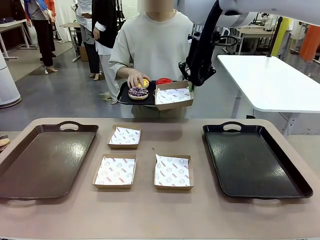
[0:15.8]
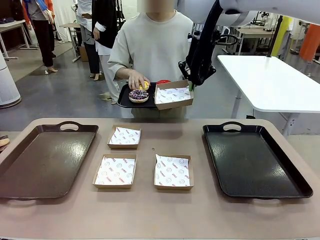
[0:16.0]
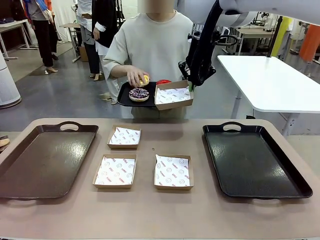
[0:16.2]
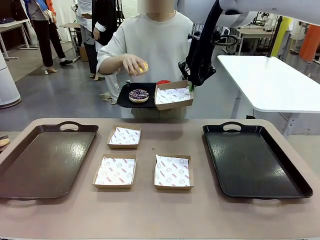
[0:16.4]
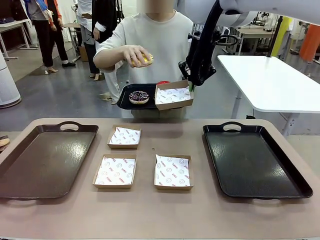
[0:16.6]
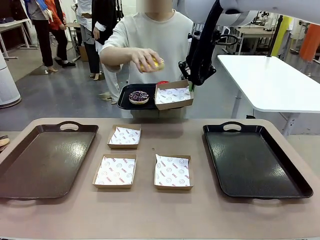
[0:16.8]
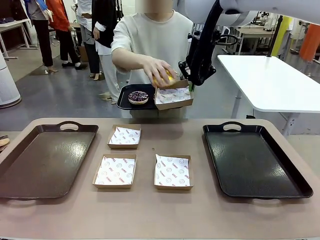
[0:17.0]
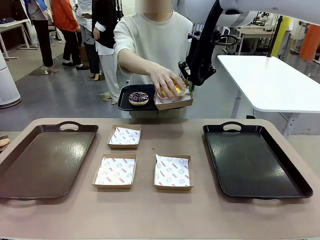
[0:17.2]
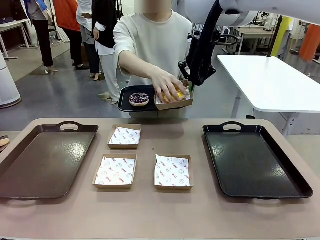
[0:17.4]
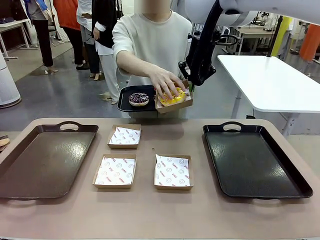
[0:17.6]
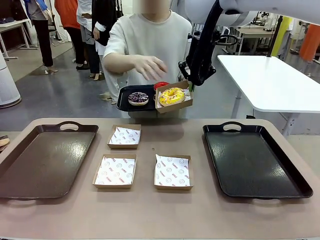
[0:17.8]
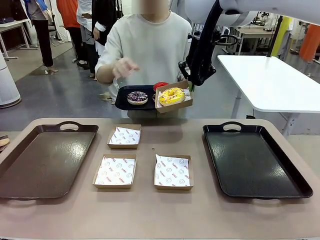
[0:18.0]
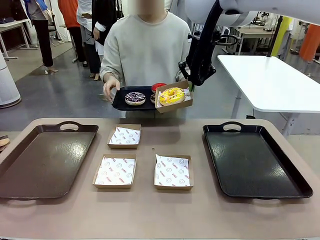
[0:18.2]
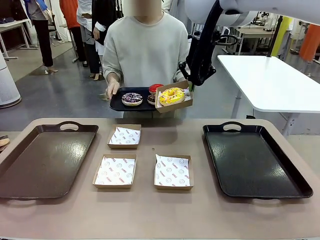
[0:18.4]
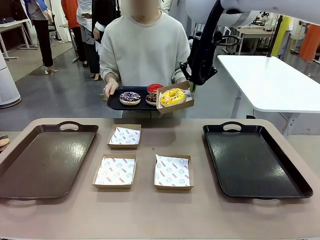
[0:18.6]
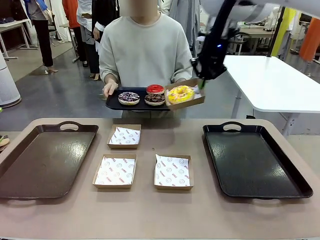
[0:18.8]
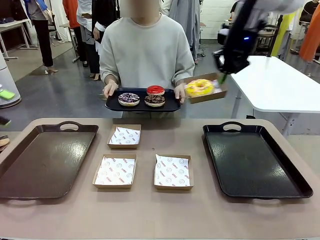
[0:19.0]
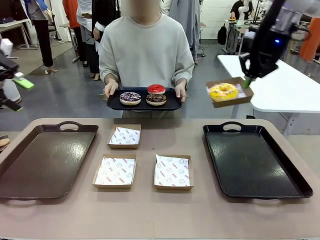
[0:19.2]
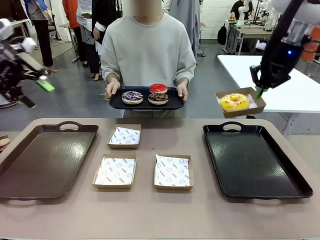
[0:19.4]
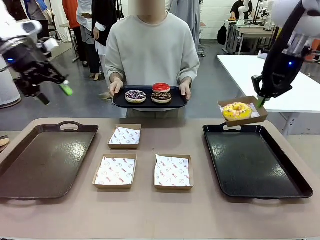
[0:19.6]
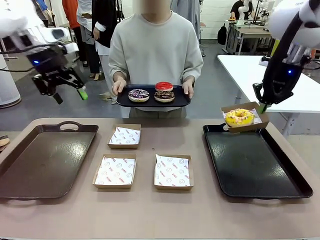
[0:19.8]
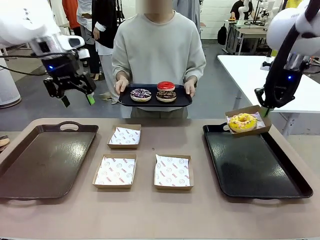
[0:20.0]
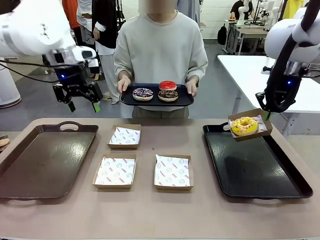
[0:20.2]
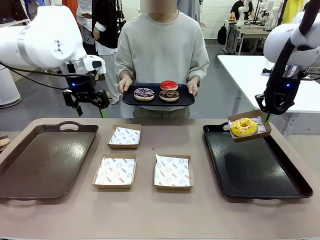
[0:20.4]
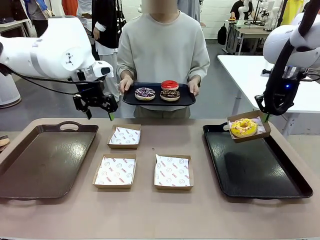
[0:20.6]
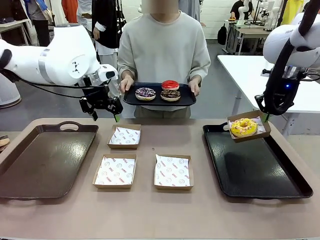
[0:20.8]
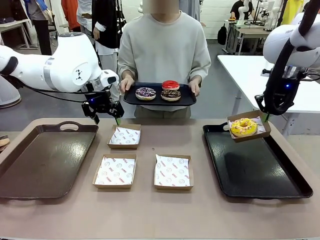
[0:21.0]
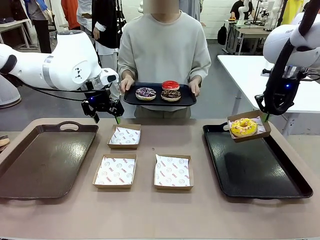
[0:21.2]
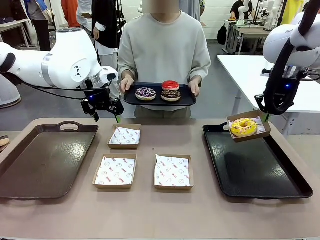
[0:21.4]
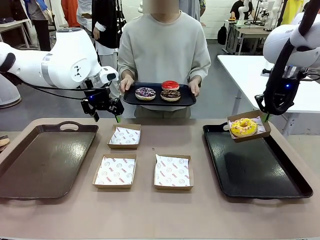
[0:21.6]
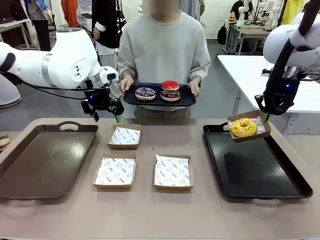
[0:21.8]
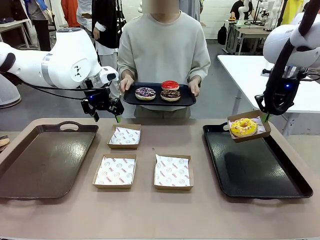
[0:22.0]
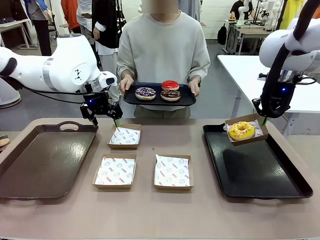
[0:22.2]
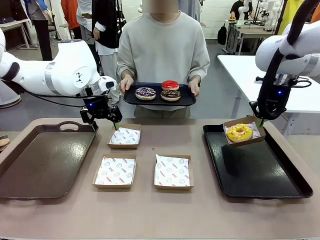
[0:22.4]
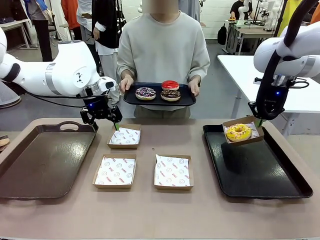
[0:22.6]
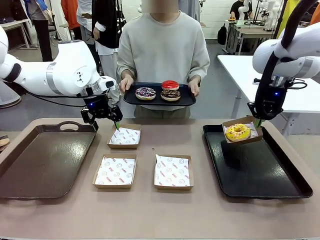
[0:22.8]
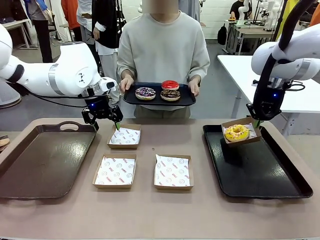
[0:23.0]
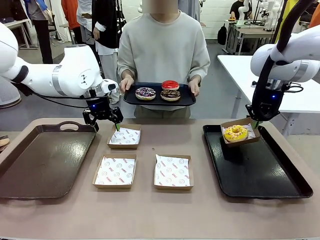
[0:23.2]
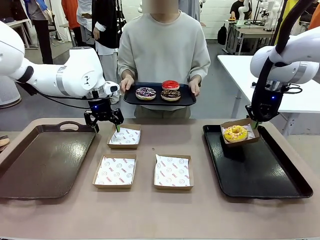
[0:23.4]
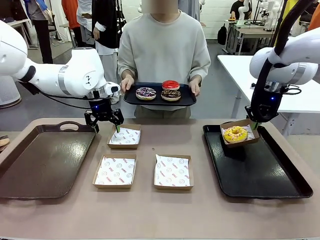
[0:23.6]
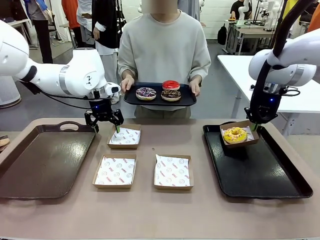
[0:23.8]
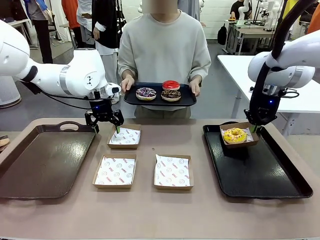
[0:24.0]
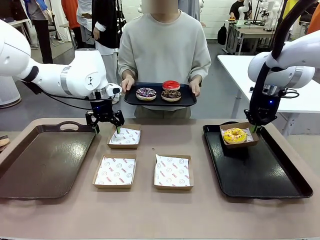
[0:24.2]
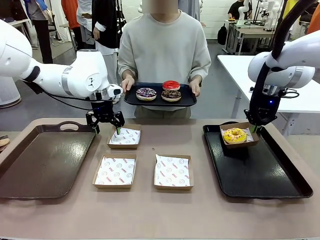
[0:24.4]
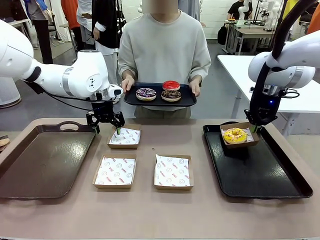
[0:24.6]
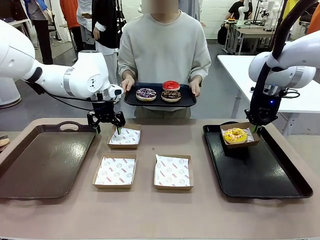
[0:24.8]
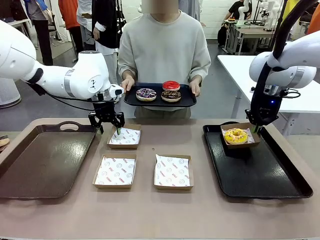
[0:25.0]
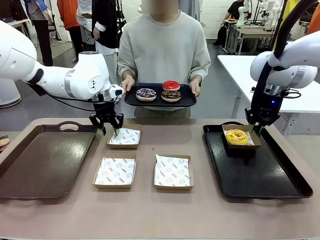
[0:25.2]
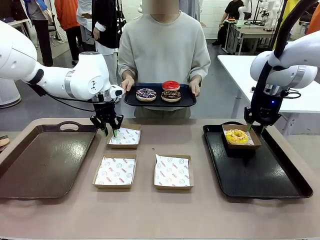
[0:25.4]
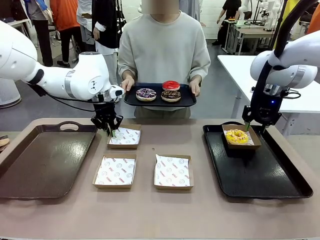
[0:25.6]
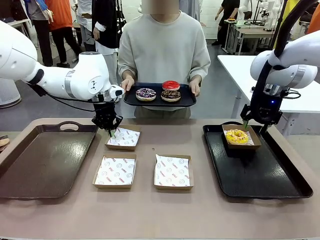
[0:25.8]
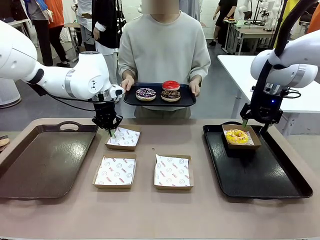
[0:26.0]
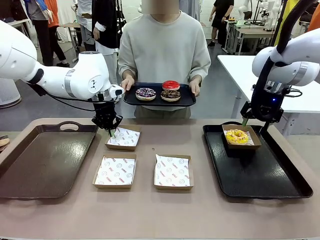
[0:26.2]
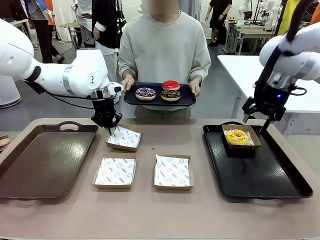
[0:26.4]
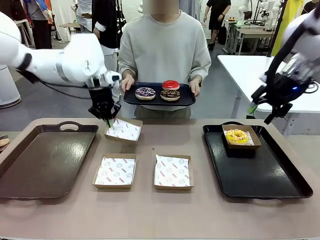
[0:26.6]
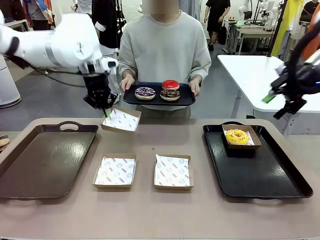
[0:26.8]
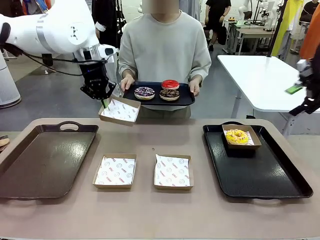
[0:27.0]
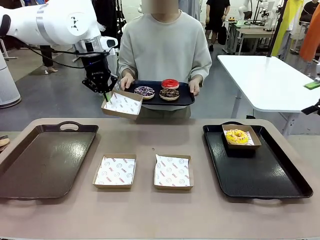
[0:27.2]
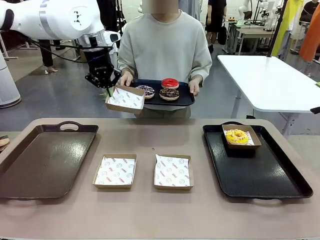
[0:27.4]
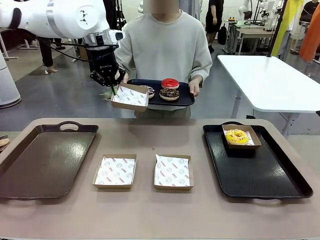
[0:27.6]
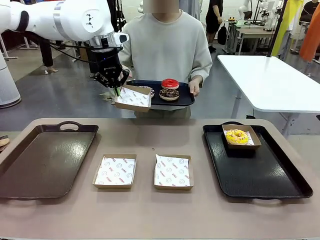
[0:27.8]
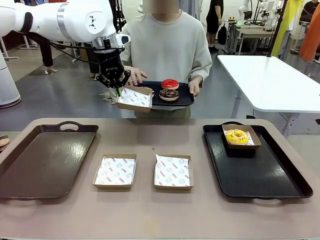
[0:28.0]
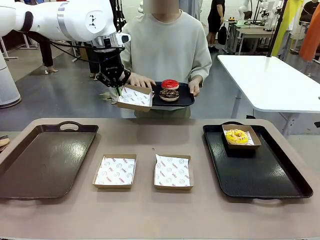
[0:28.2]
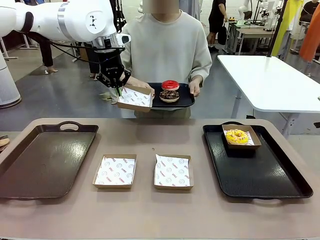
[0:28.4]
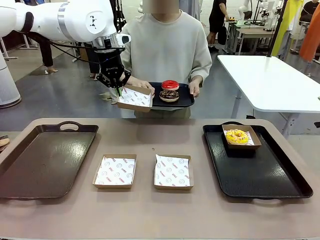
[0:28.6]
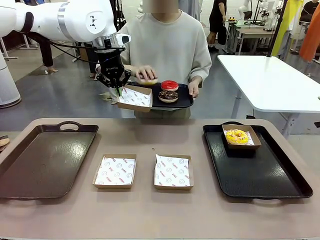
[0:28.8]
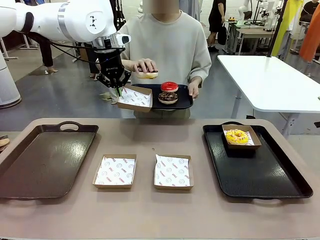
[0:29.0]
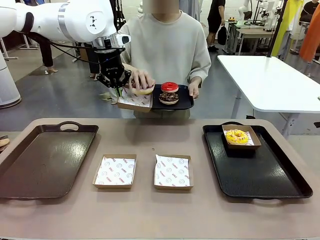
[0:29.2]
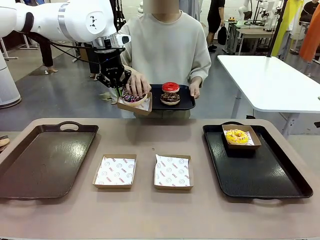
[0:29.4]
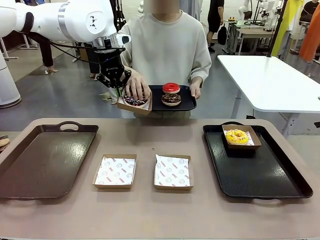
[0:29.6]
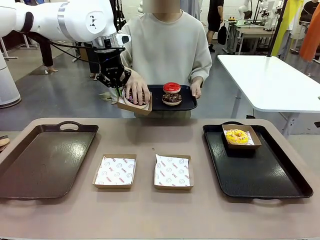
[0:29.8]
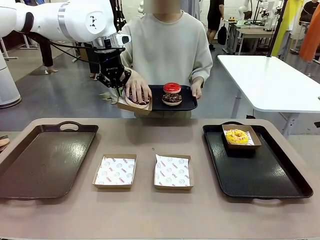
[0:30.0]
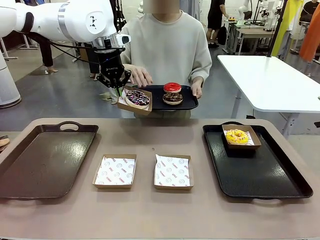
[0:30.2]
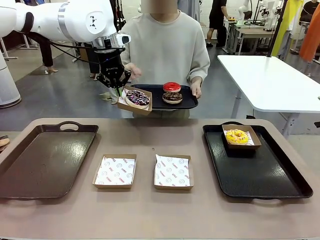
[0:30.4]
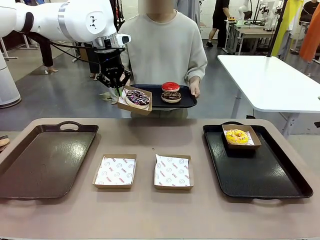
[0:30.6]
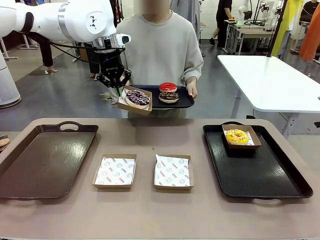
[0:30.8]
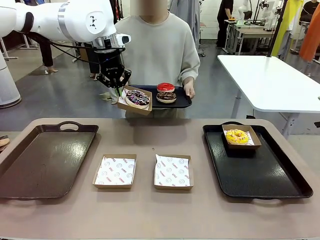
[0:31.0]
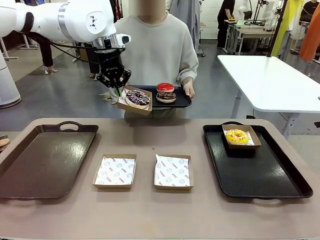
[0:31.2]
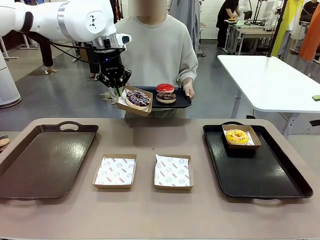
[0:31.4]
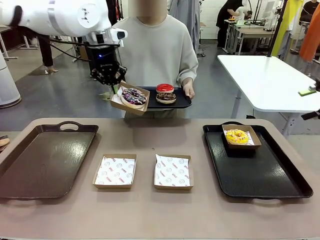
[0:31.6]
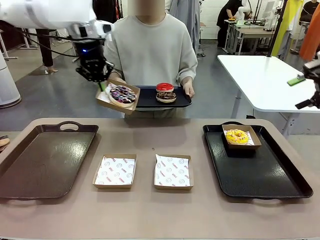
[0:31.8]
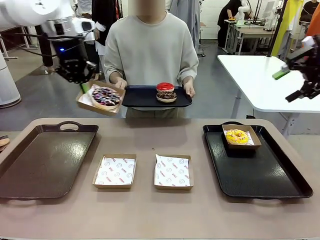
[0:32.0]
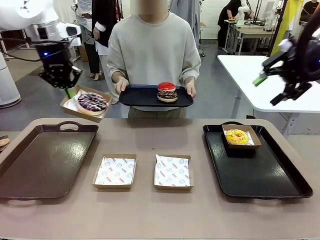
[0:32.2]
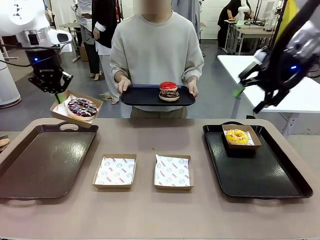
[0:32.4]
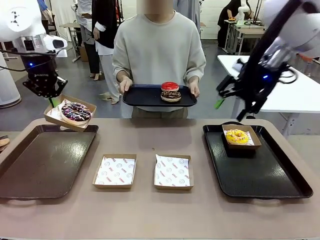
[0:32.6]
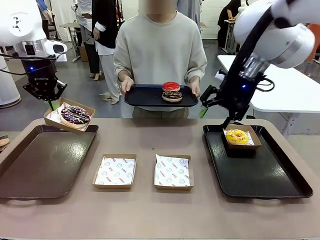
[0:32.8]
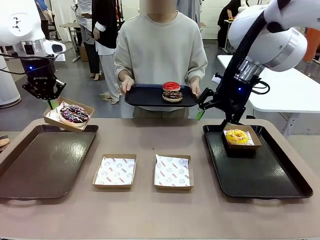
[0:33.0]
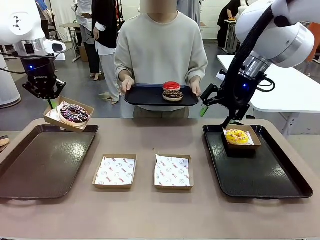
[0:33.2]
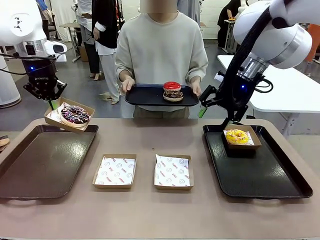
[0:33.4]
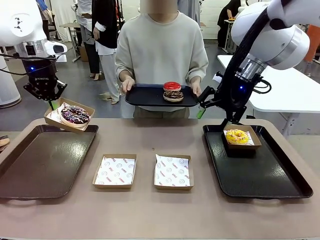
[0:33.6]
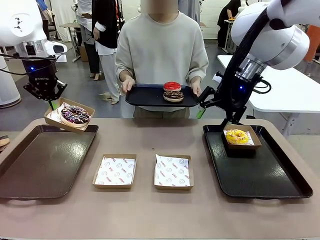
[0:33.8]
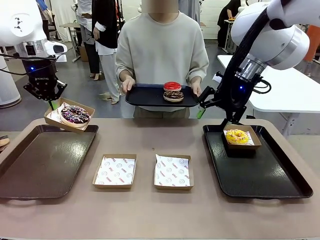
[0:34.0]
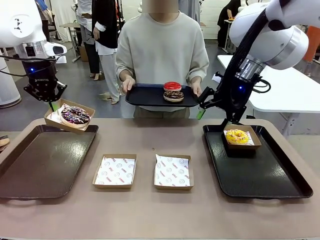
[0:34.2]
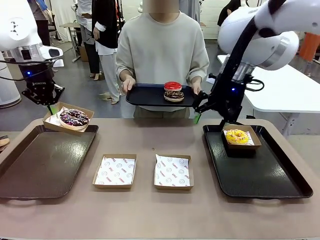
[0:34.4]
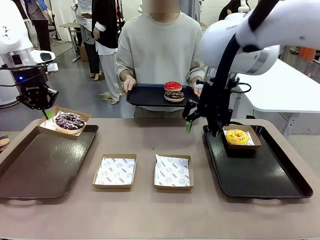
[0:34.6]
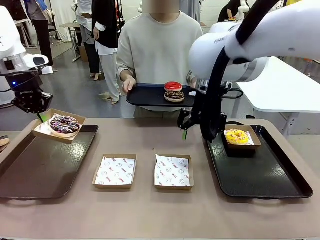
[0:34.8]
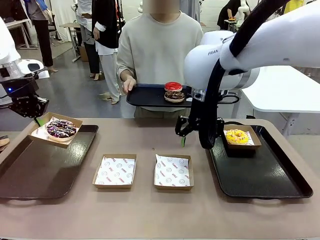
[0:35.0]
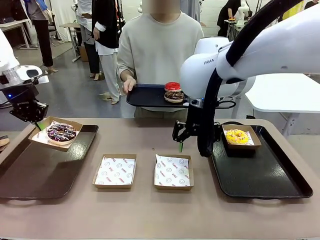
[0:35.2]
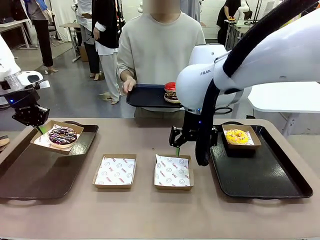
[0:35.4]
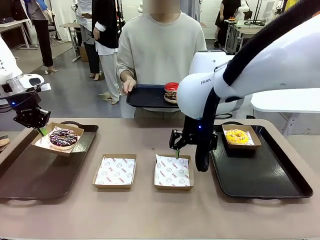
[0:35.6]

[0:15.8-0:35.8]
Task: Individually package the donuts and arrange them on the tray.
Robot: Place the picked Paper togo box on the Handle tray while simultaneously picking up another Paper togo box from the table with the other hand.
